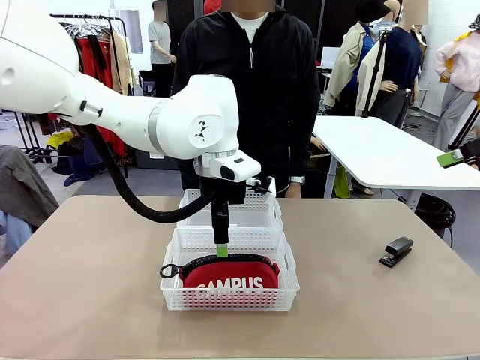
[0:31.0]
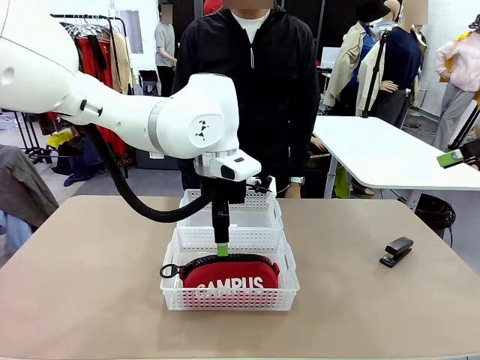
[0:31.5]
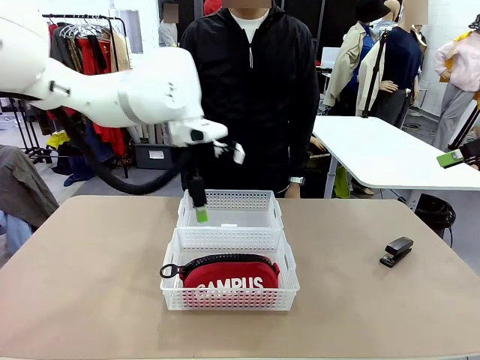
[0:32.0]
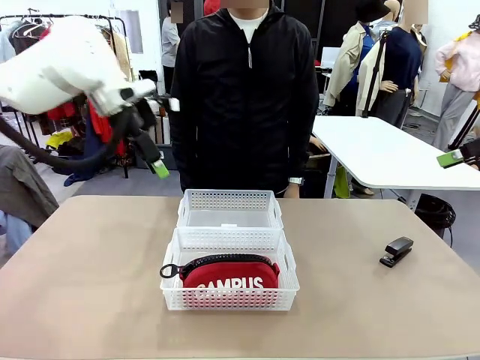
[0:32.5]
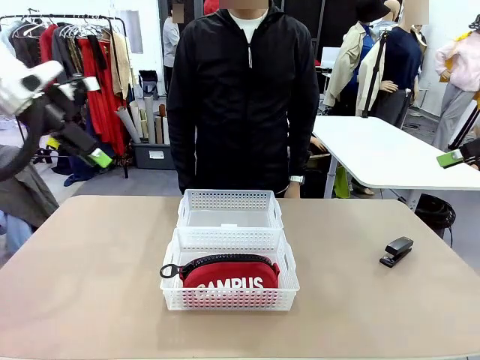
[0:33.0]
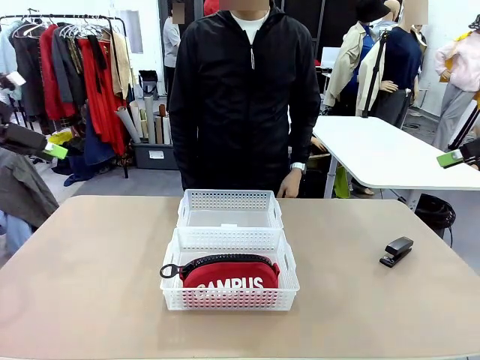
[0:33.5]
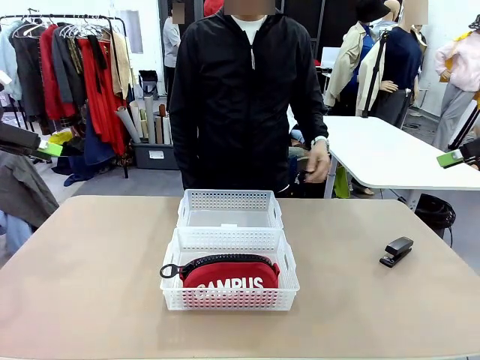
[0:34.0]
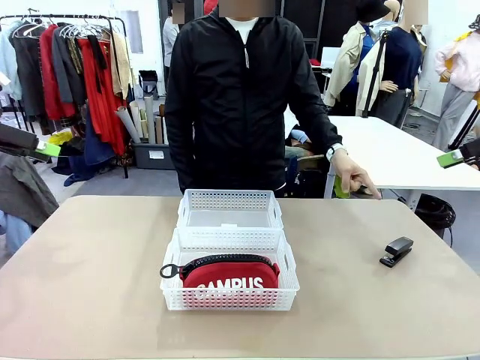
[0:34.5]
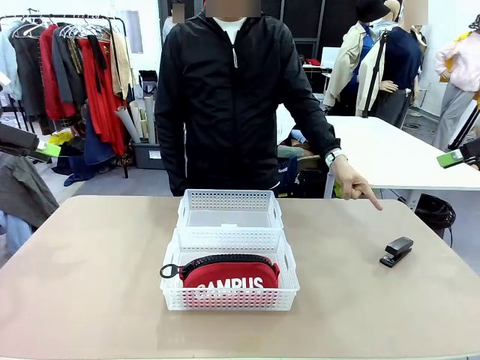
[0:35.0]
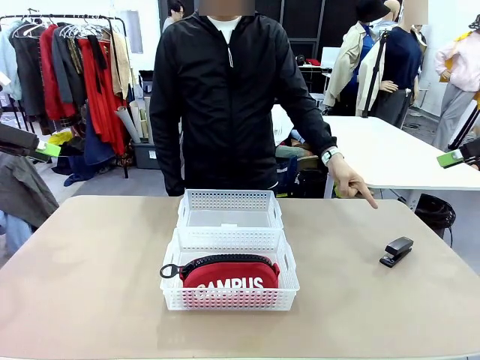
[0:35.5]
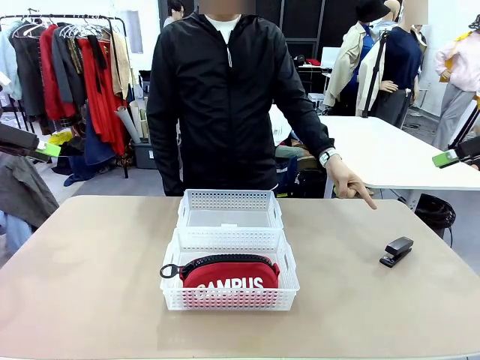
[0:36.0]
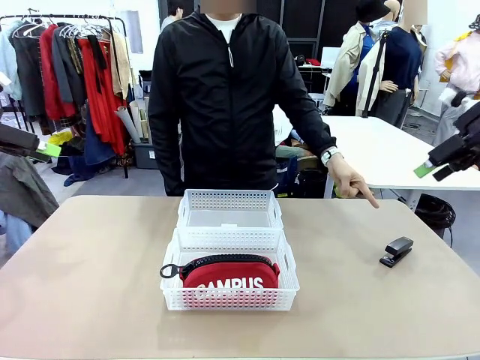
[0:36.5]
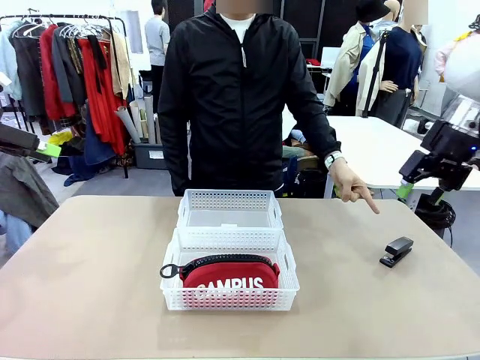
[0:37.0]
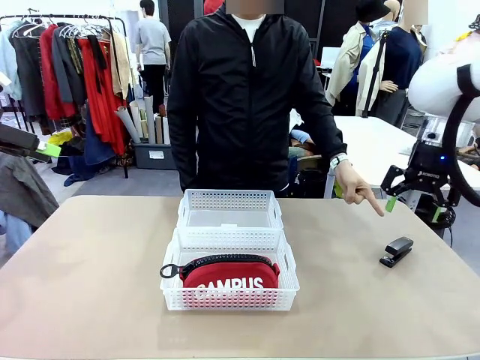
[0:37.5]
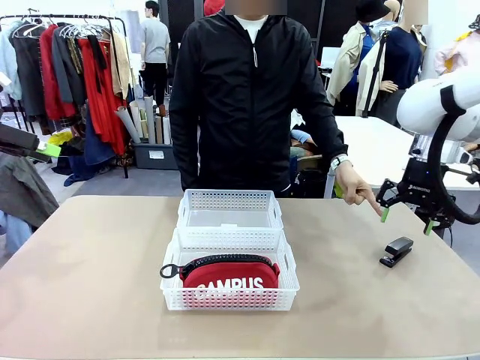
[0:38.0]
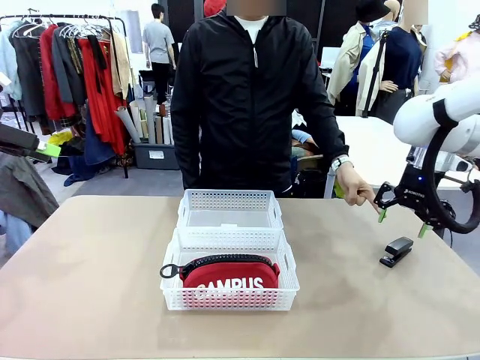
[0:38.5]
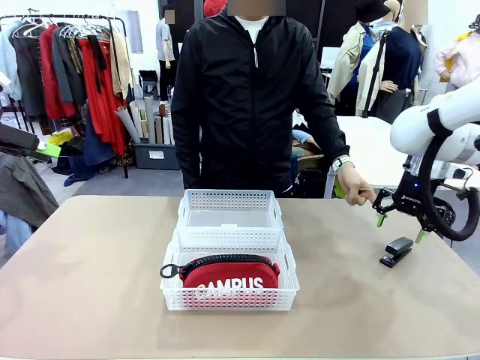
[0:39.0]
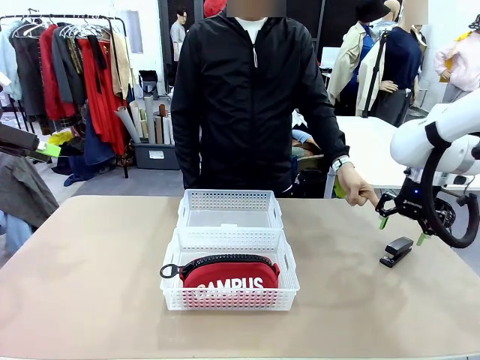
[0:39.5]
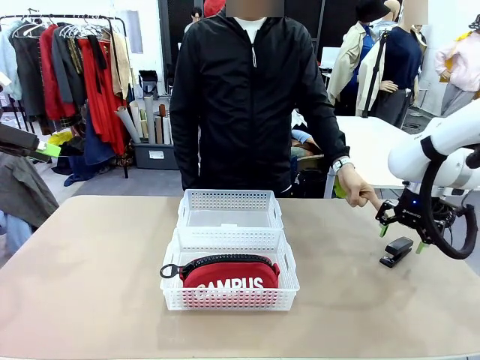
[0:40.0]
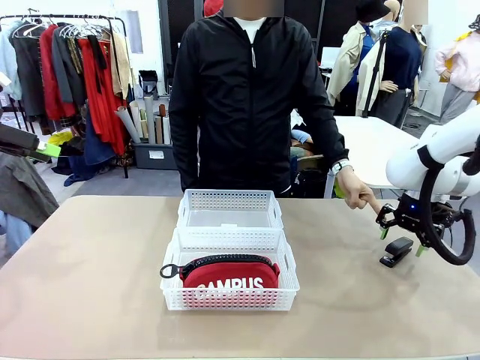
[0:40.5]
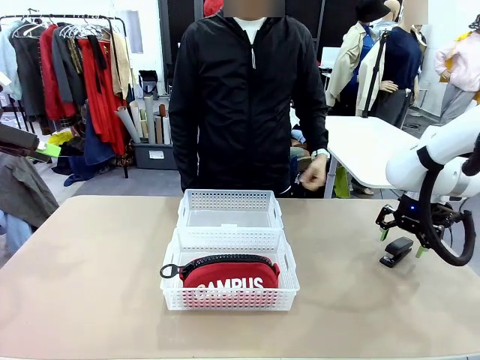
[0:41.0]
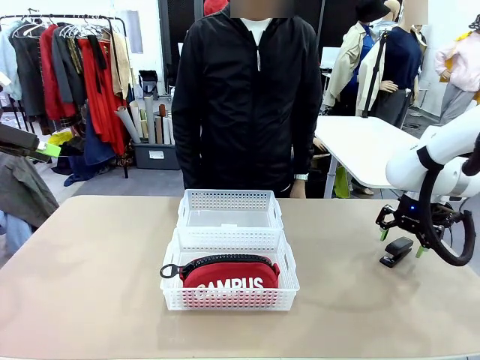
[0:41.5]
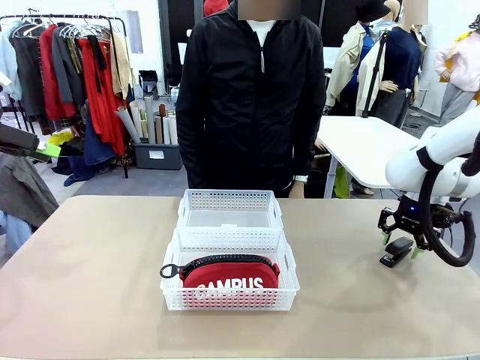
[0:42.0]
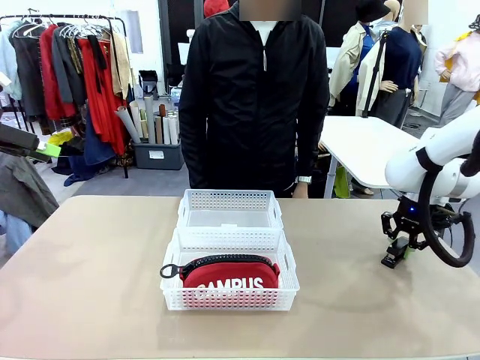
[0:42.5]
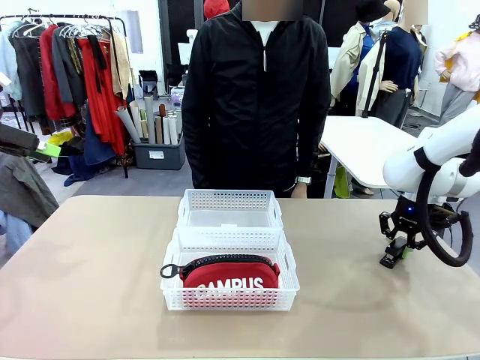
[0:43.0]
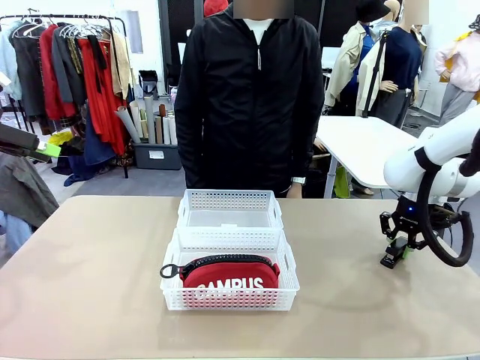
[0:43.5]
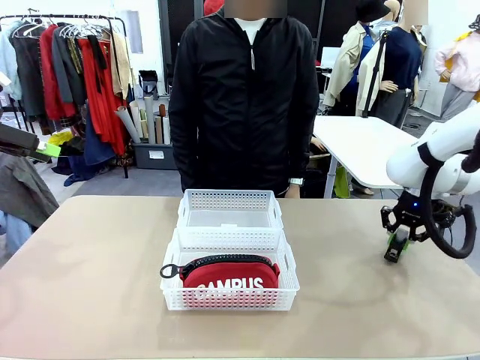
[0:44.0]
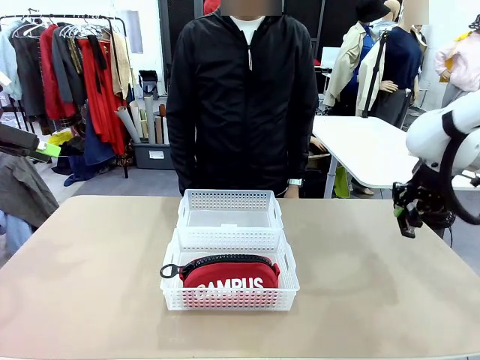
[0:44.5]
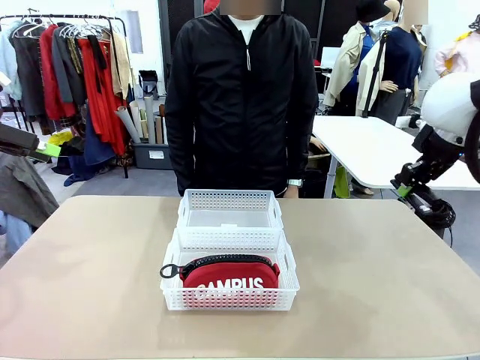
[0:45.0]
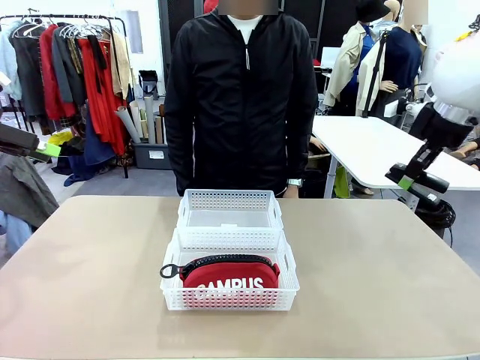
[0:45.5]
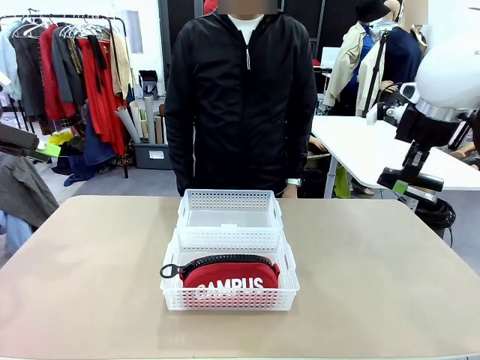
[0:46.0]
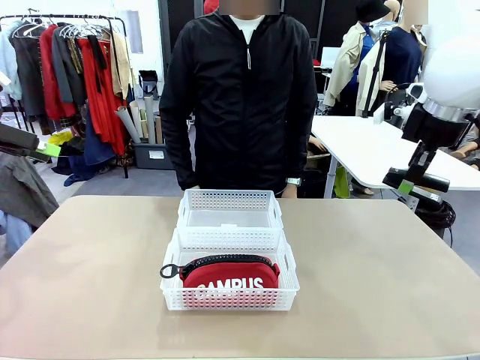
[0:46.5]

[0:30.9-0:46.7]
Task: Distribute items into two baskets.
Robot: Pick up the Stapler that the person points to.

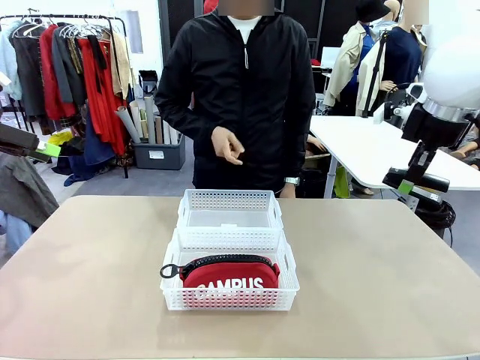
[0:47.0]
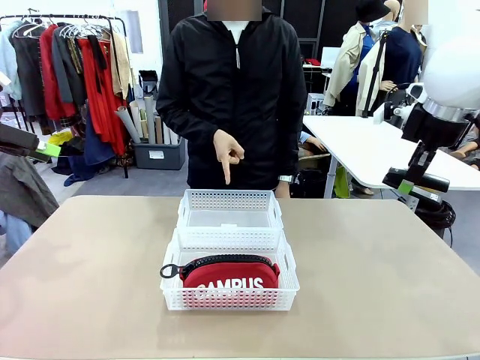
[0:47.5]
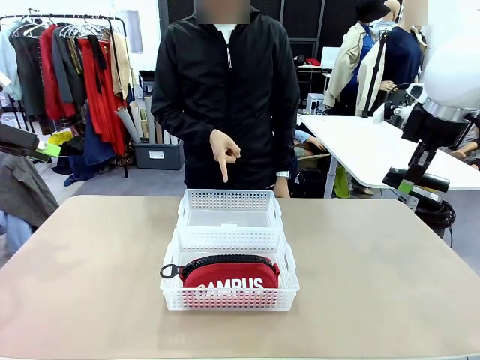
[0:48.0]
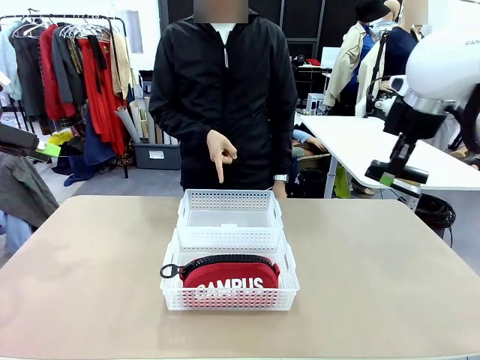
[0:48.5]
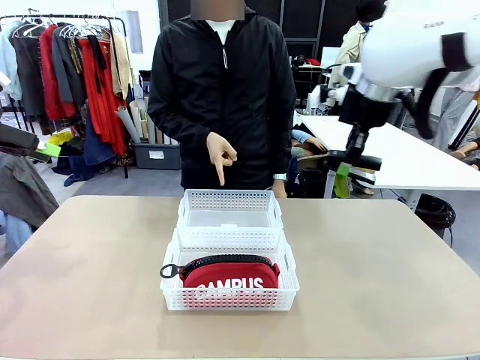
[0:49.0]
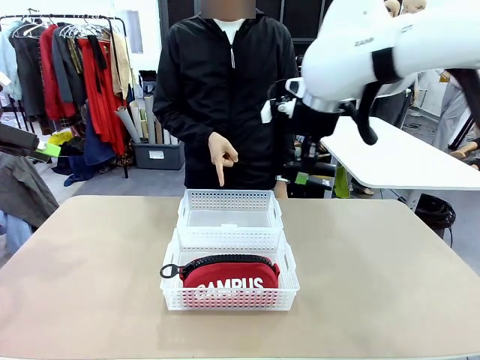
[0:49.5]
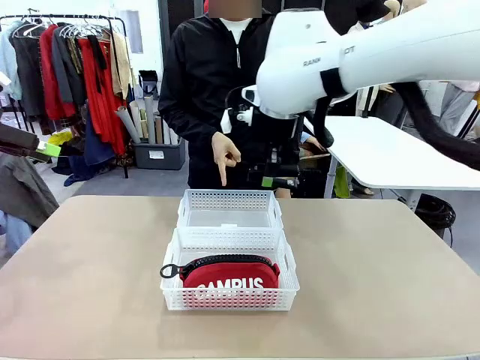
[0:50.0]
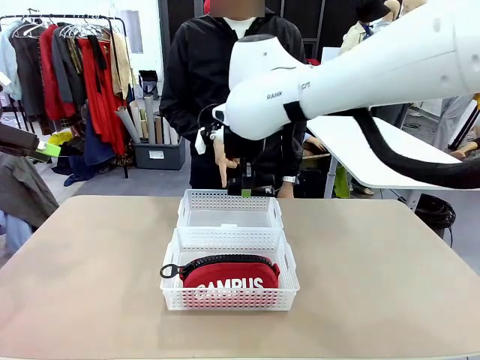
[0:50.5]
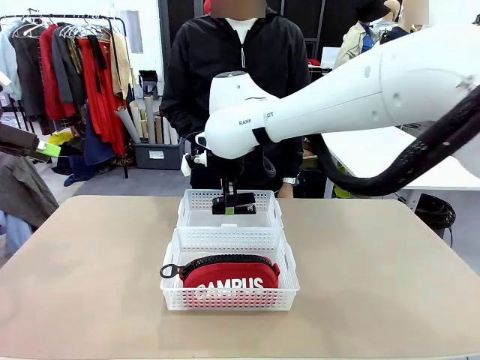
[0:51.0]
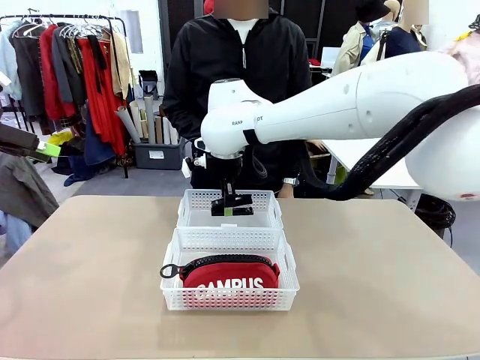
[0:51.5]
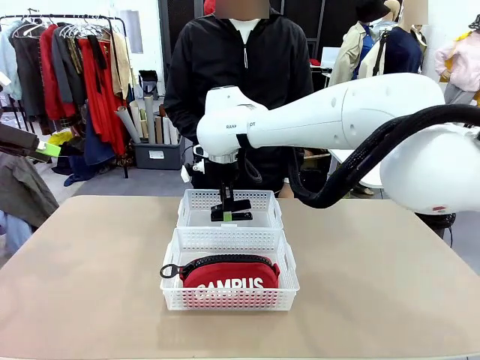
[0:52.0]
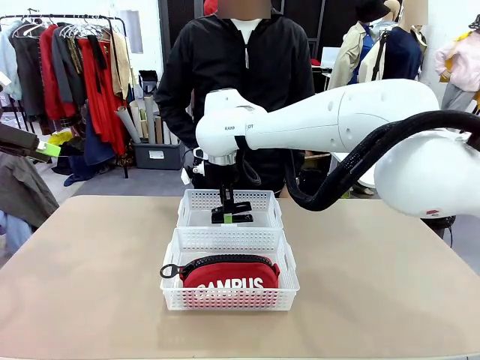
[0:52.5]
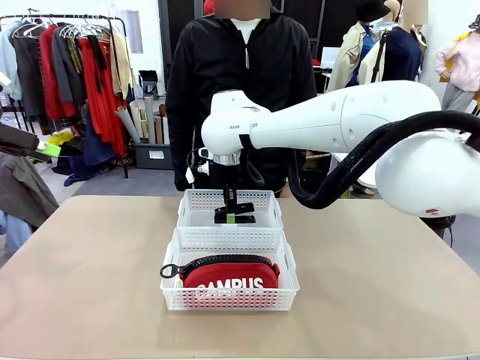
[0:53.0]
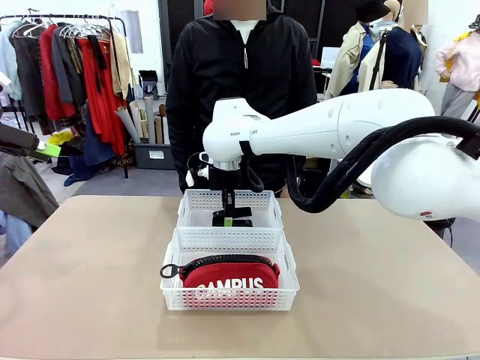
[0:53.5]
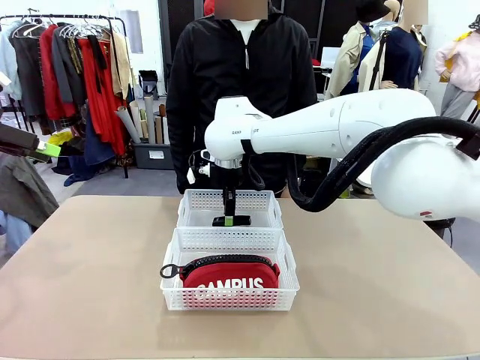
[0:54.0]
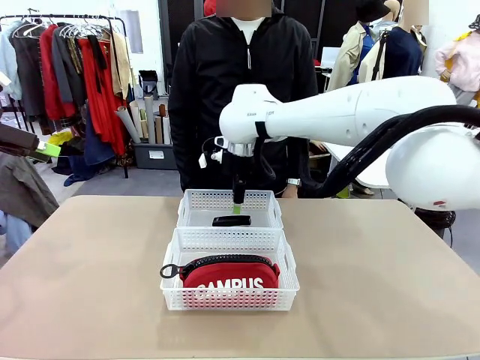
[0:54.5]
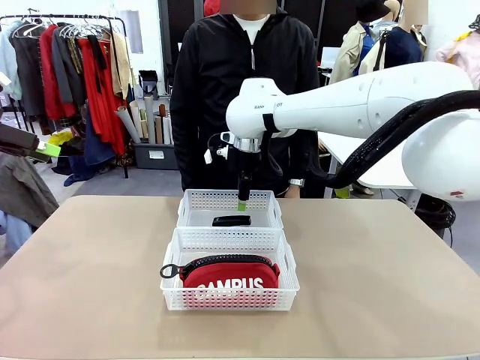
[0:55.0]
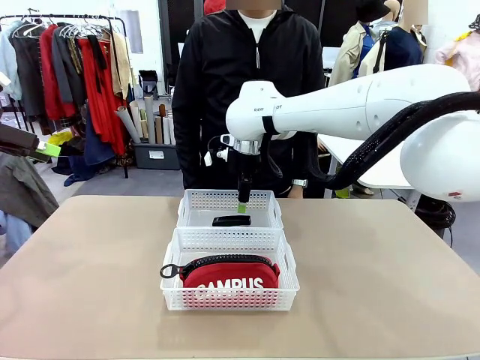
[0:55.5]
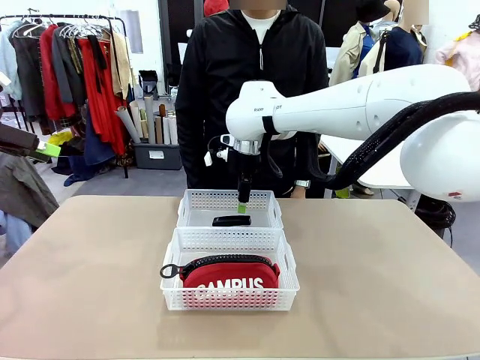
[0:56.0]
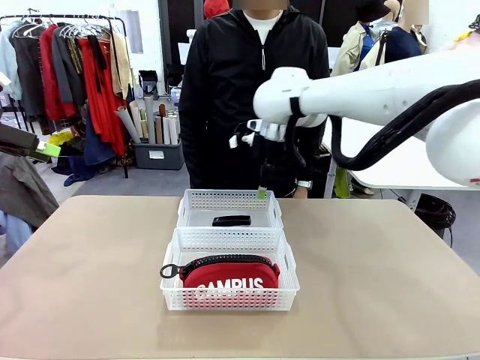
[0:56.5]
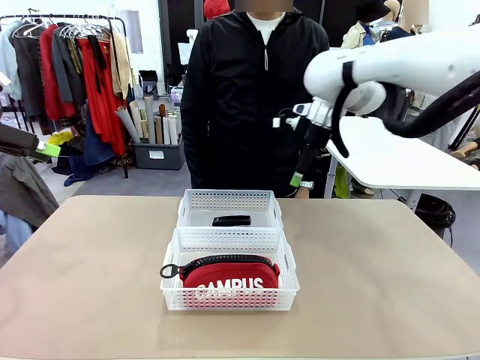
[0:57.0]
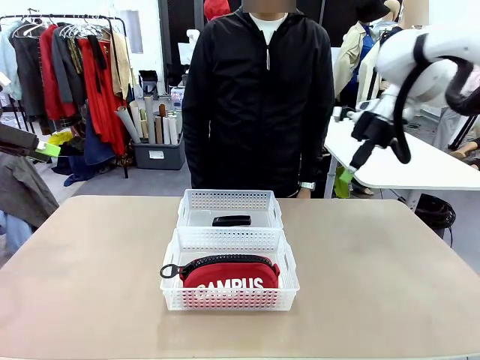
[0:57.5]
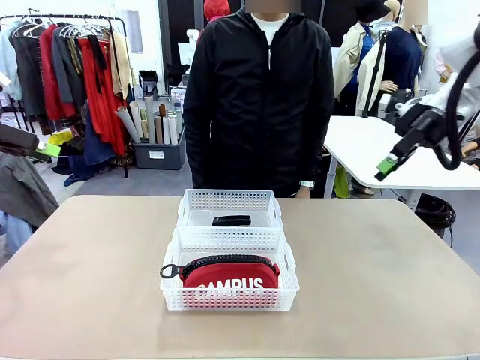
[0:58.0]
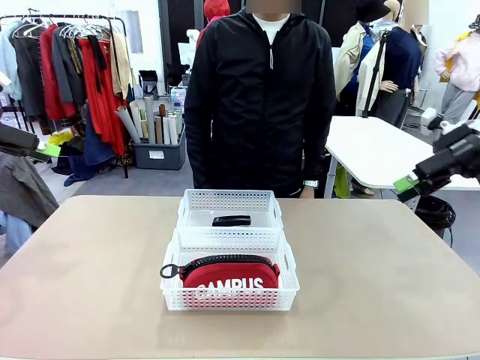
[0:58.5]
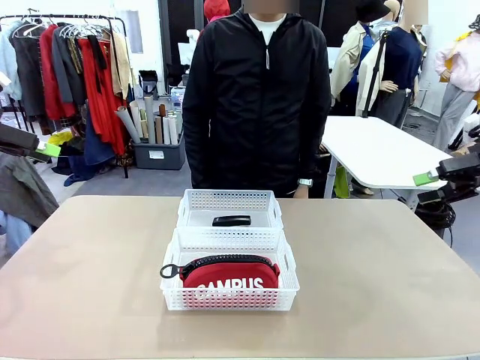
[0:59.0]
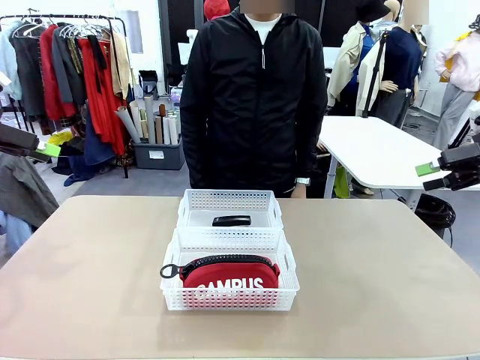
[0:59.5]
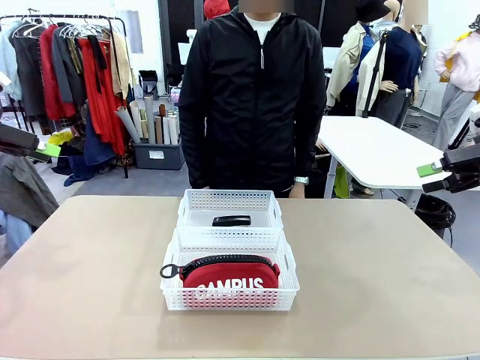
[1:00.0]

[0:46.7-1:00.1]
Robot: Place the picked Stapler into the Organizing basket as instructed by the person.
Person: Points to the basket that does not contain the pencil case and instructs the robot to move the stapler there.
